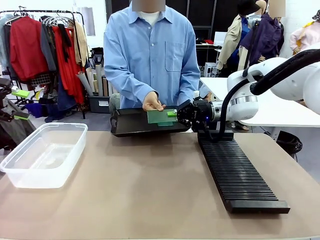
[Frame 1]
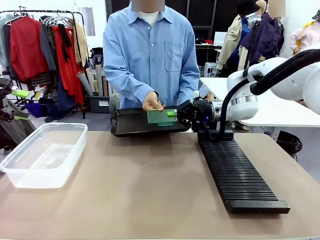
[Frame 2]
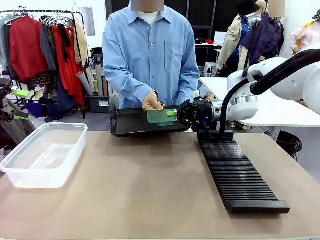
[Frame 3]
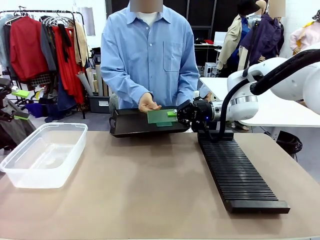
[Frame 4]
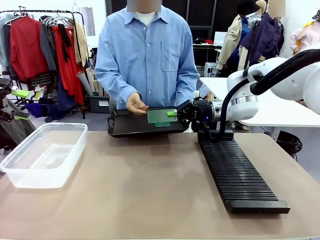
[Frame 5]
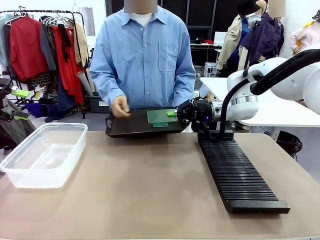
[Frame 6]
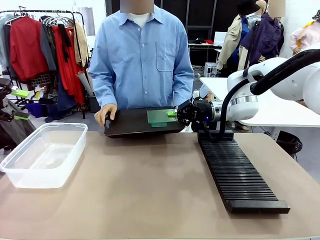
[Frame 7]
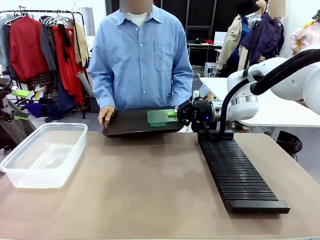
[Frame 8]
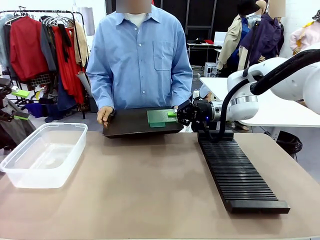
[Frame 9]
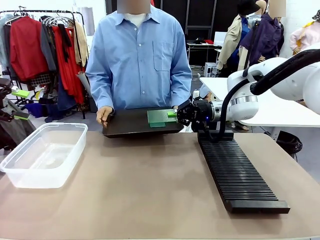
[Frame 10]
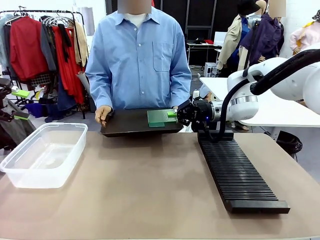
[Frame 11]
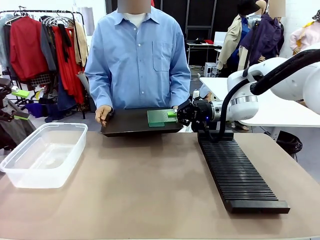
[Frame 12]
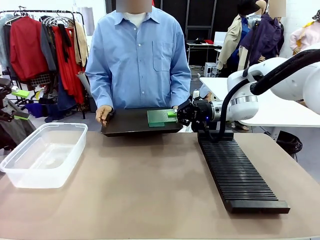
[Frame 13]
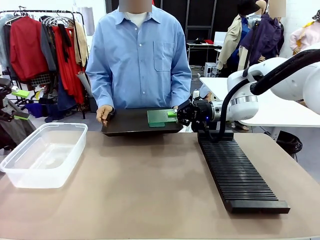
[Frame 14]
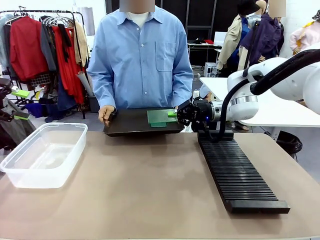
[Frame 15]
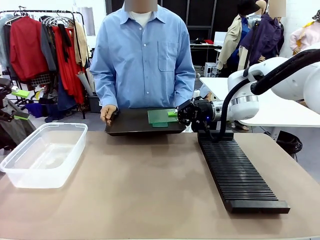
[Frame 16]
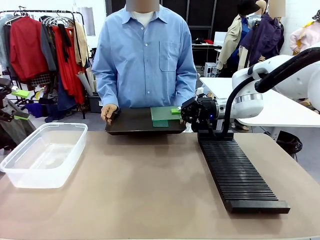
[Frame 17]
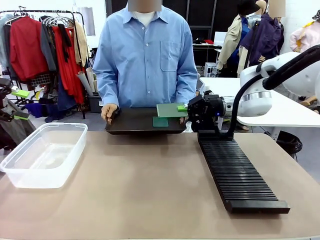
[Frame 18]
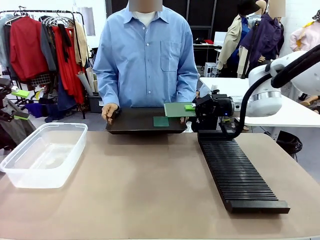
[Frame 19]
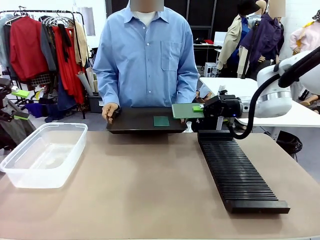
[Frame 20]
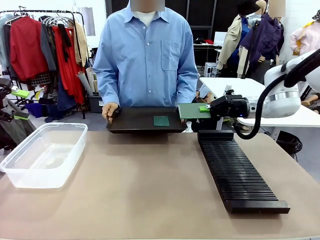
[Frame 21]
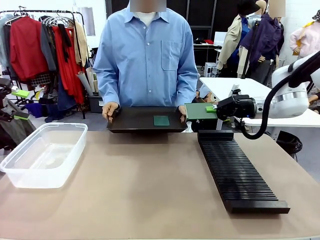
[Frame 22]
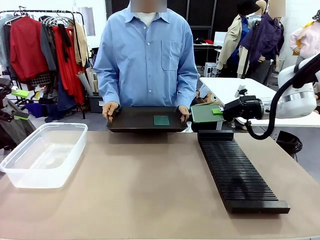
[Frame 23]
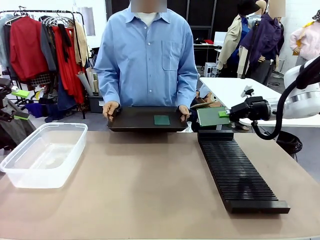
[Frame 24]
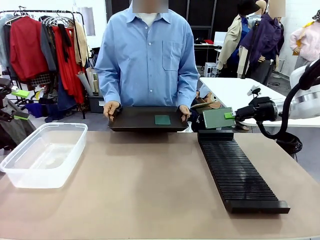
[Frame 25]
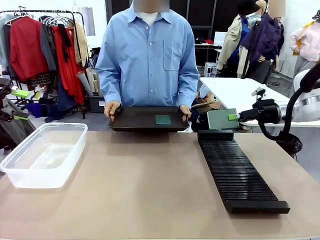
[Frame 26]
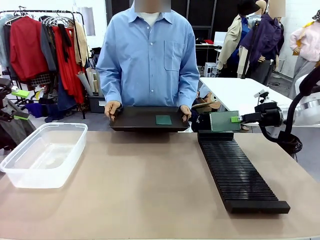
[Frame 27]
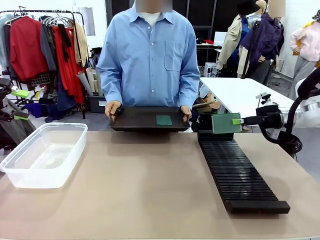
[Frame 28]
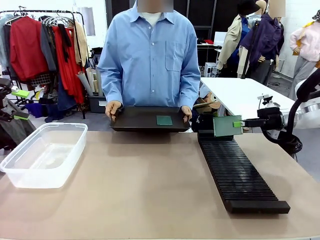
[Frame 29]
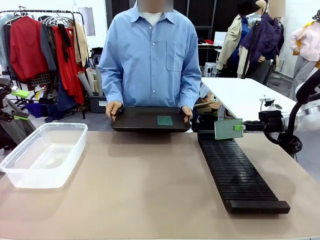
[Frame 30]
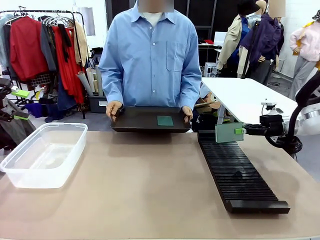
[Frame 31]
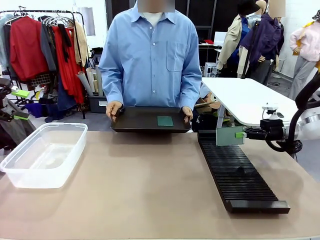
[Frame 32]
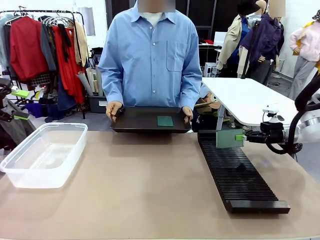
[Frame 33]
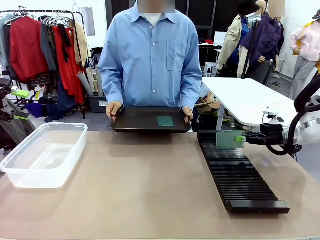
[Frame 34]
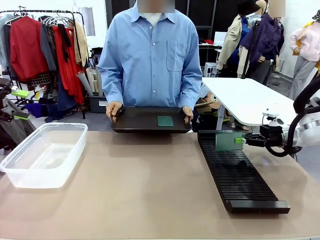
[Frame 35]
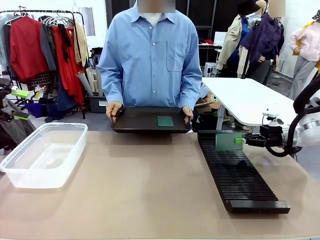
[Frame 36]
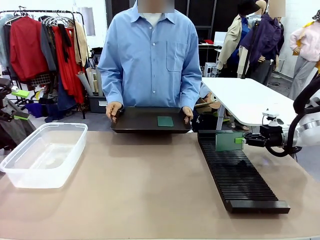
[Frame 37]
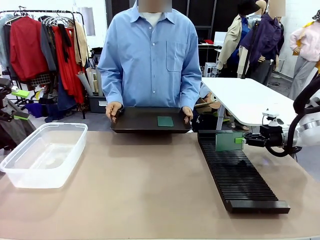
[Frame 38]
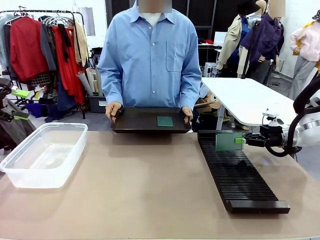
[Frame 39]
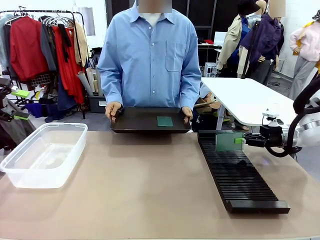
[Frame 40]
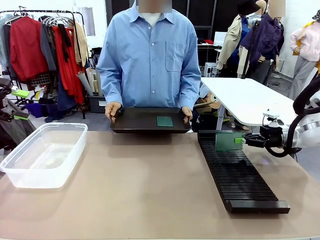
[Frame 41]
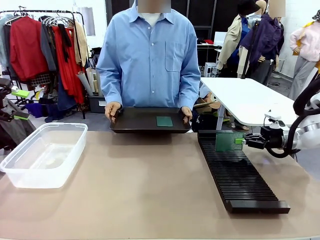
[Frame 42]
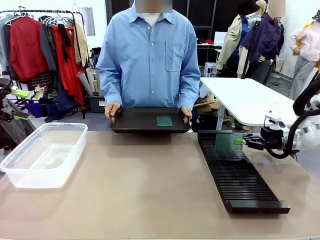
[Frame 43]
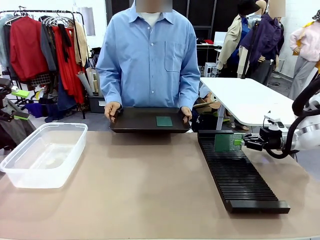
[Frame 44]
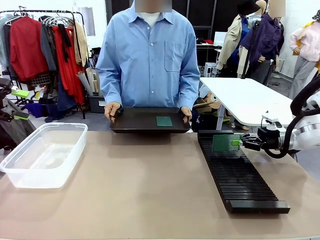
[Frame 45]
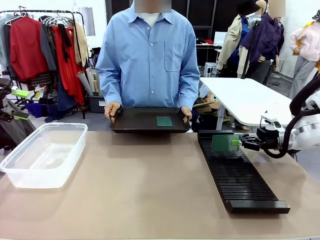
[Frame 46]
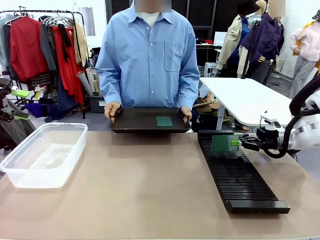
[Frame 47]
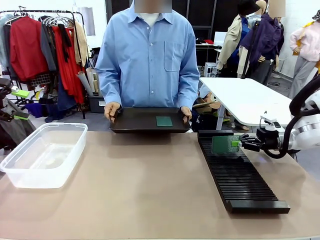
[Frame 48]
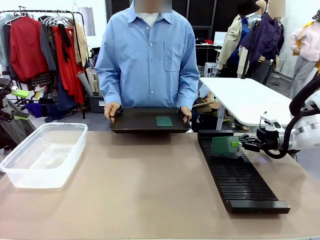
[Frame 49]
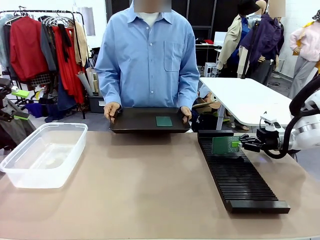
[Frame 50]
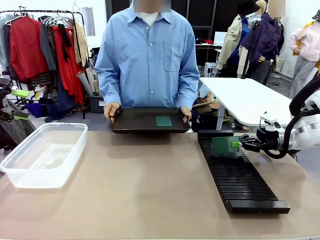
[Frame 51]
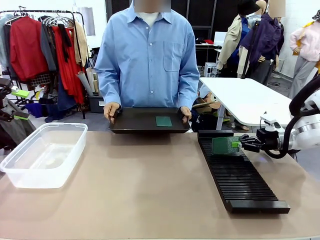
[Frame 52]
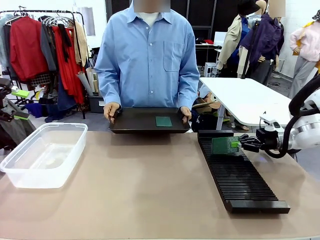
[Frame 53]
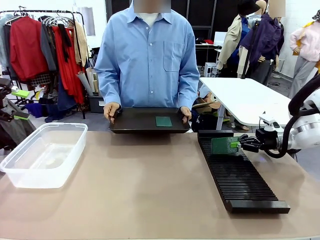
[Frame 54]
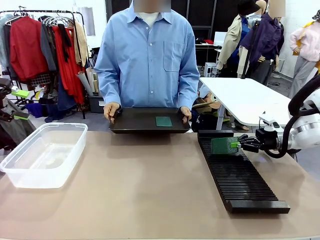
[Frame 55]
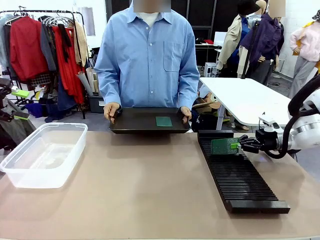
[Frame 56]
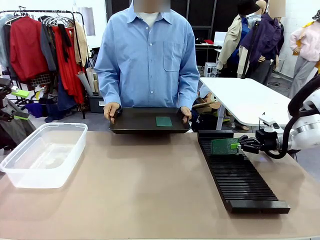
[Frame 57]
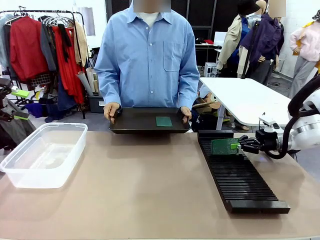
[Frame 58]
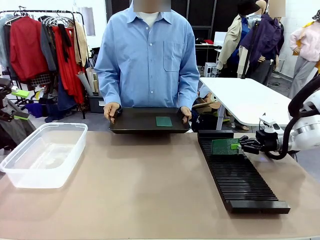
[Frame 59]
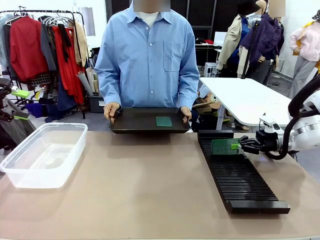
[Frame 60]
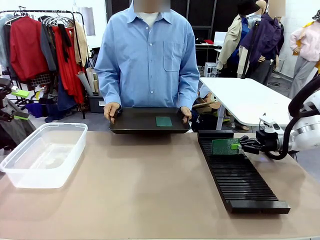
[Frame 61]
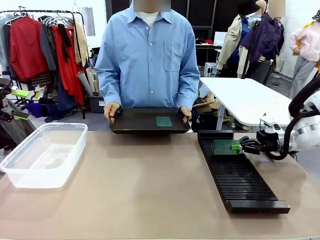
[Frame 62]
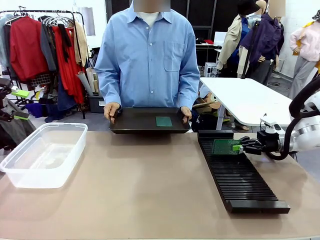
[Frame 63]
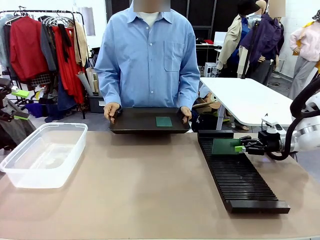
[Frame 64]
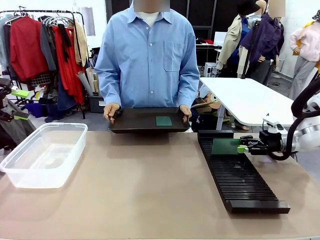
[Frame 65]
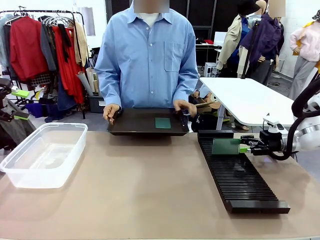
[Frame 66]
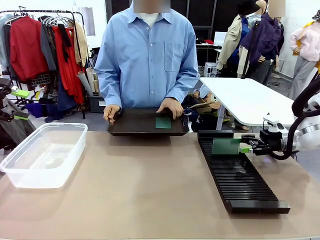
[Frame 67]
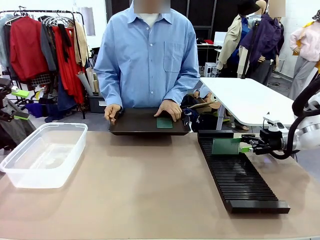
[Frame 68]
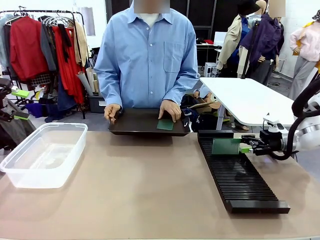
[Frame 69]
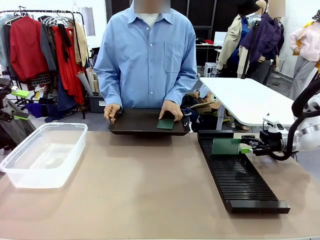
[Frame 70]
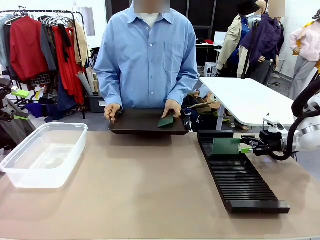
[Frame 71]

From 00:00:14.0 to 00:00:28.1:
Task: Sort PCBs into racks and boxes based on the side picked up.
Robot: If the short side of the Blank PCB is picked up, insert it into the PCB Rack ; if the long side is picked up, place it in the Organizing box.
Person: Pick one PCB from the tray and present it to the robot.

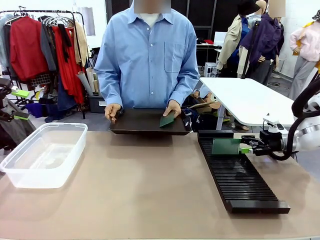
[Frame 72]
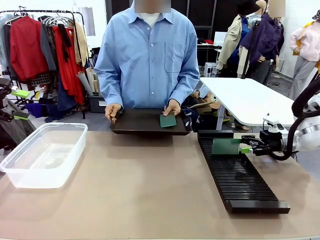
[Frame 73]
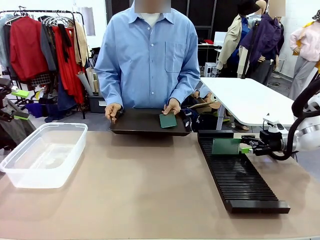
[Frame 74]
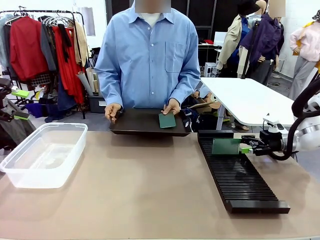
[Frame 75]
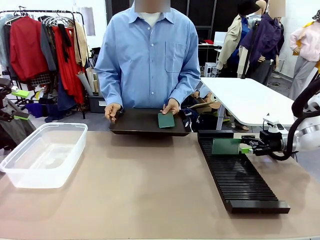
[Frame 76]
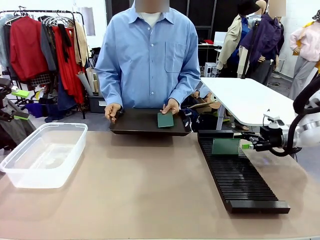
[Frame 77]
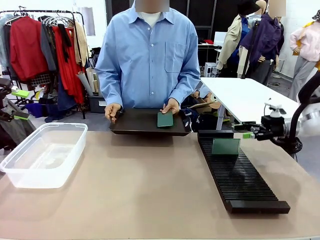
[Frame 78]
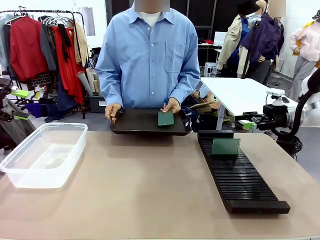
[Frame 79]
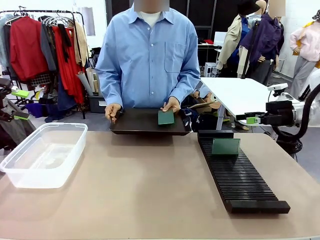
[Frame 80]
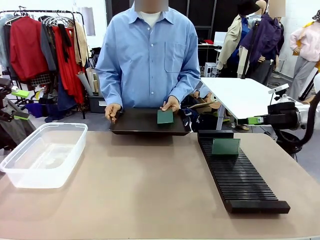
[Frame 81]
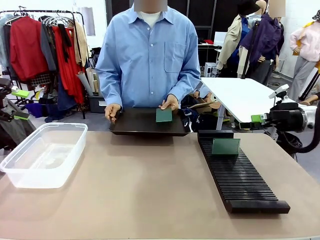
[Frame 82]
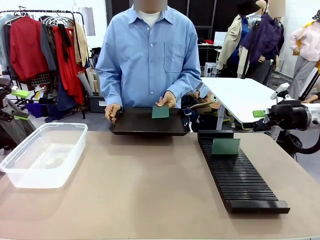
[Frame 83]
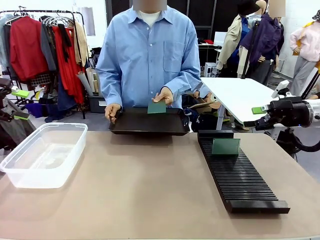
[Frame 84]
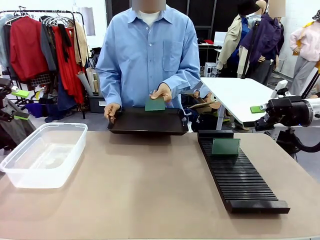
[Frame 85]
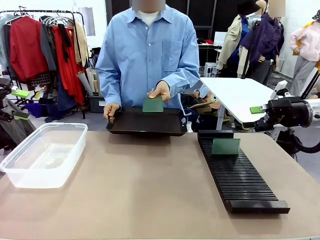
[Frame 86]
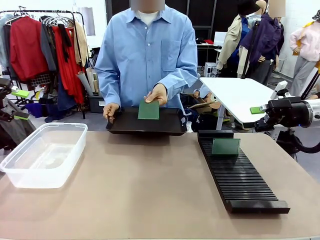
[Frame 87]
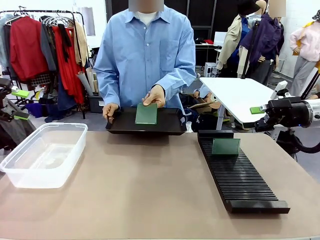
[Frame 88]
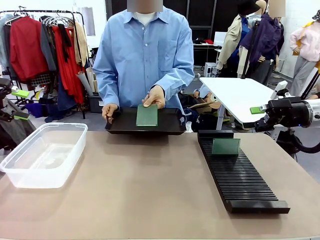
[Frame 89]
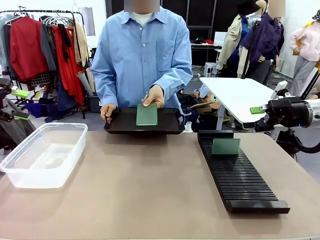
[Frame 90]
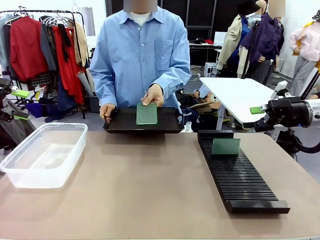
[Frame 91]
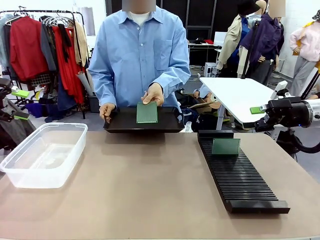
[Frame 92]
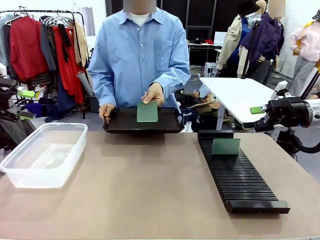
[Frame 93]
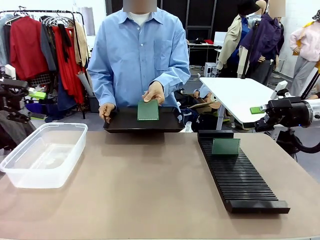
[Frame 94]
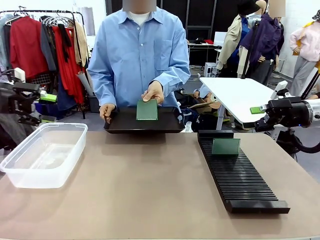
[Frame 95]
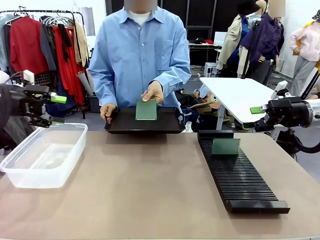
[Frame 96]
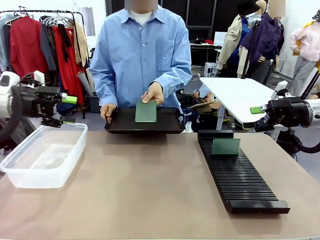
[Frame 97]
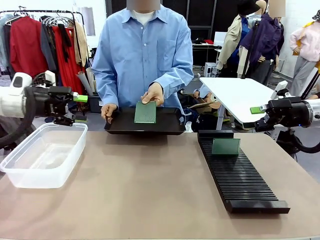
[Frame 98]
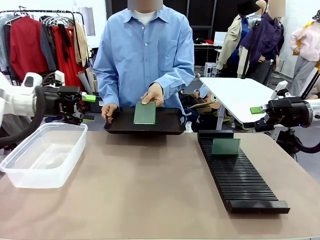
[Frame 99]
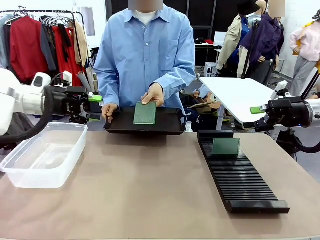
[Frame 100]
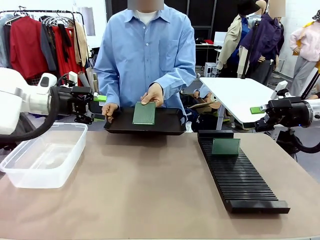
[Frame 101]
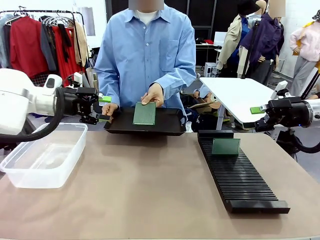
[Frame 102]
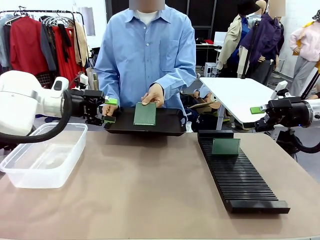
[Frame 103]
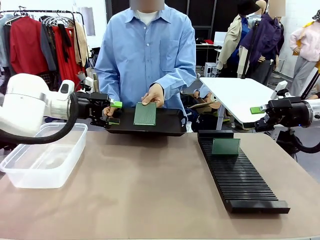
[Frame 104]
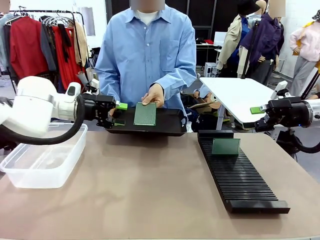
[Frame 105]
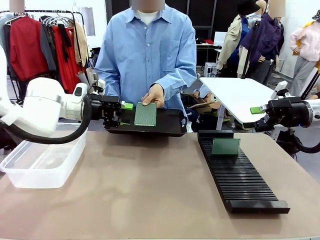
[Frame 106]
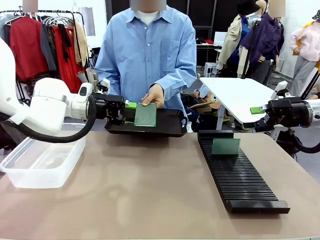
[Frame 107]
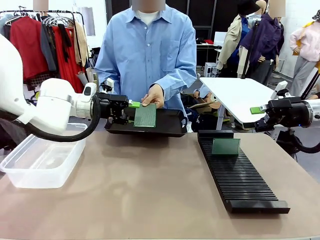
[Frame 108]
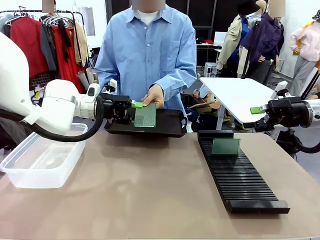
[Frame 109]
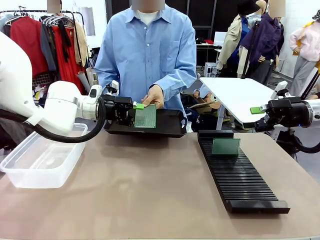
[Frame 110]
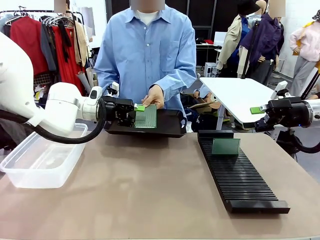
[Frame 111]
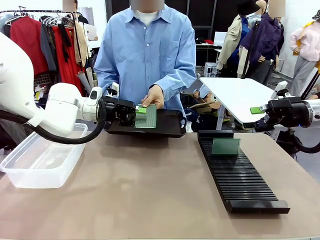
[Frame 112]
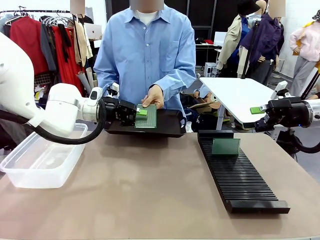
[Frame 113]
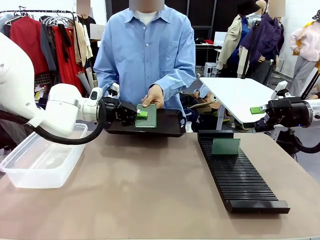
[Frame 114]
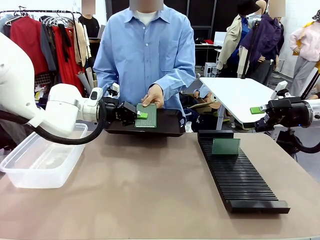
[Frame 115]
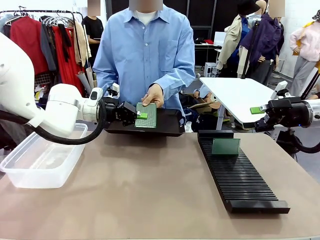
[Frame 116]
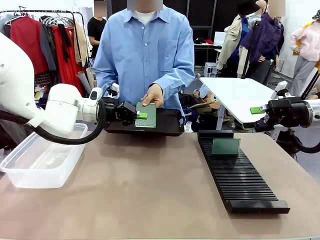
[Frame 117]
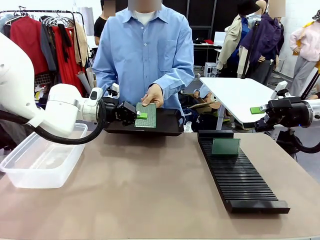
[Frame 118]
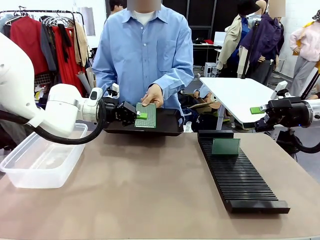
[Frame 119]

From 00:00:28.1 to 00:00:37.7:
Robot: Pick up the Blank PCB handed by the Human.
